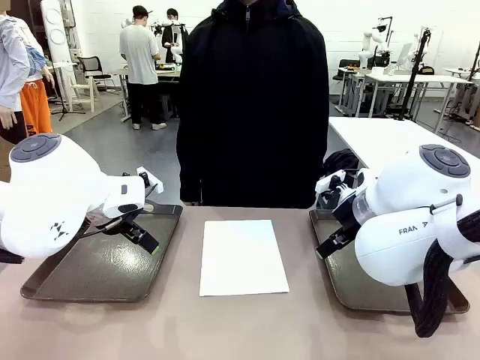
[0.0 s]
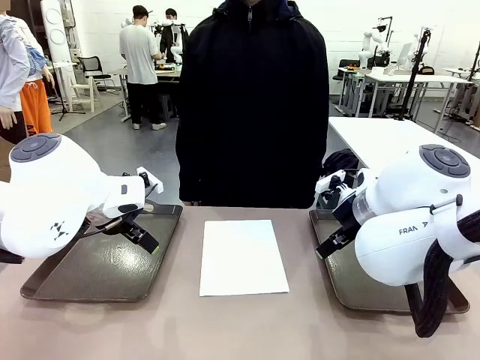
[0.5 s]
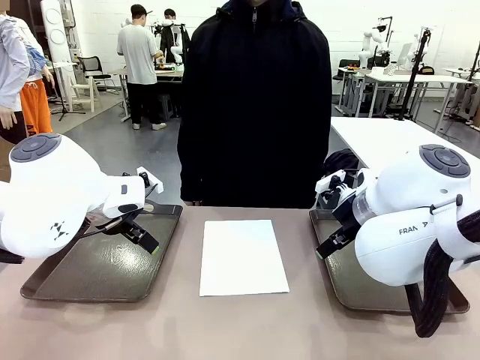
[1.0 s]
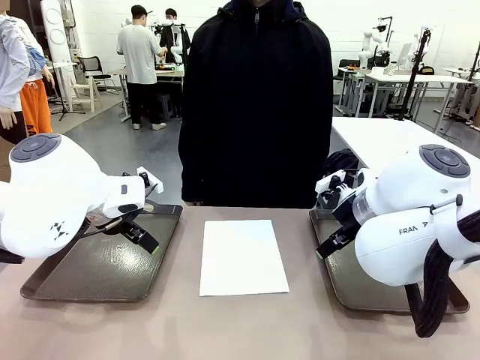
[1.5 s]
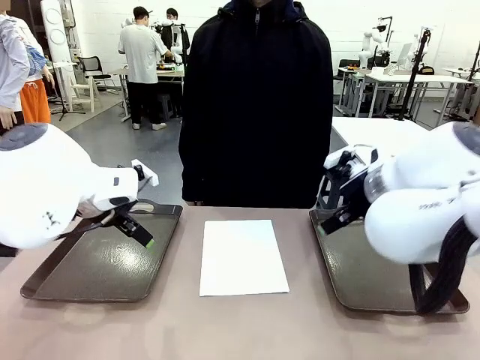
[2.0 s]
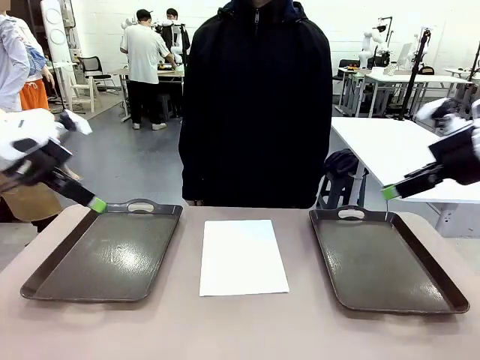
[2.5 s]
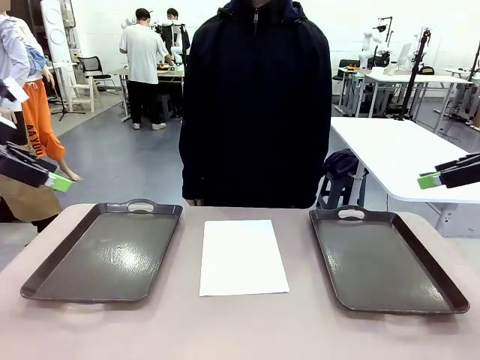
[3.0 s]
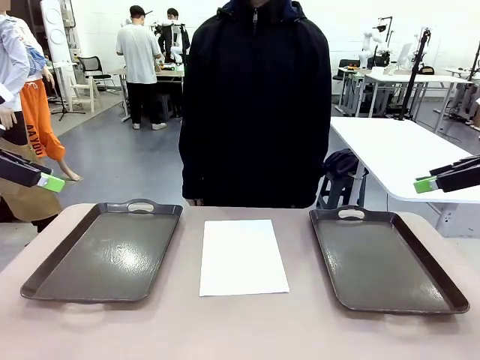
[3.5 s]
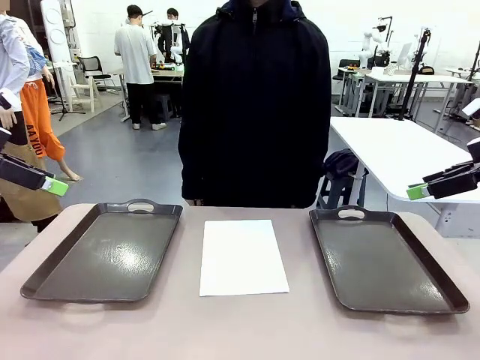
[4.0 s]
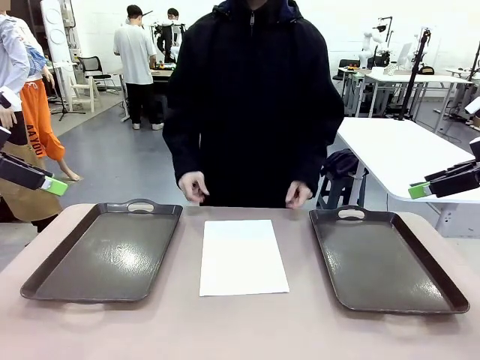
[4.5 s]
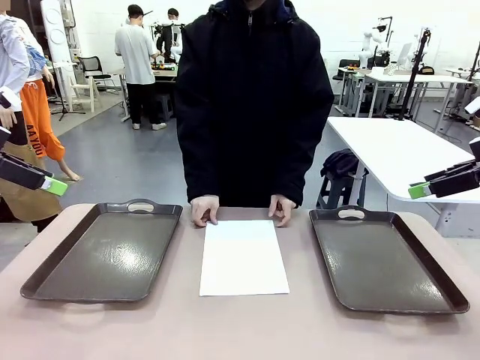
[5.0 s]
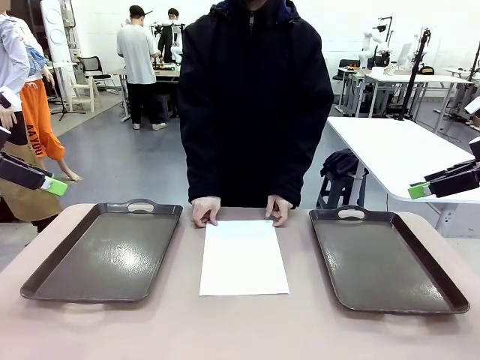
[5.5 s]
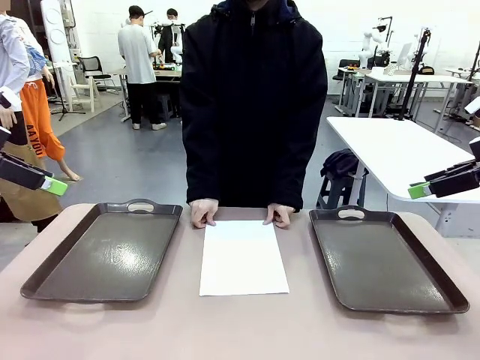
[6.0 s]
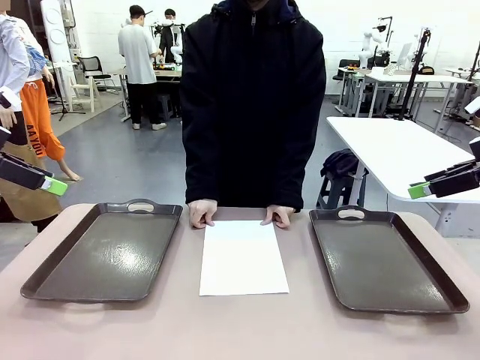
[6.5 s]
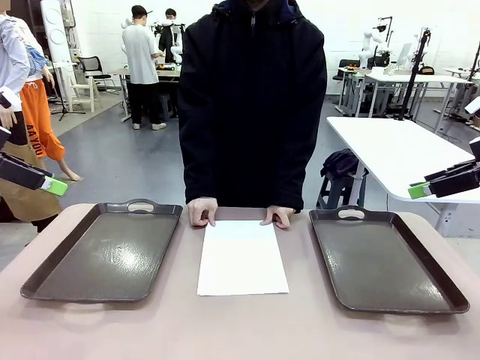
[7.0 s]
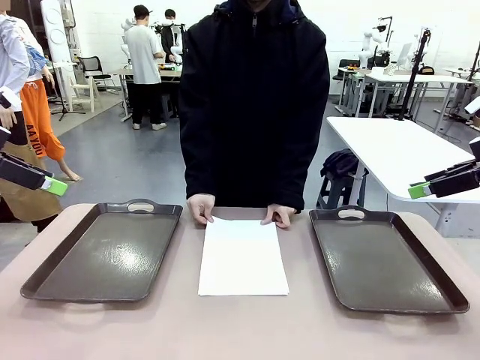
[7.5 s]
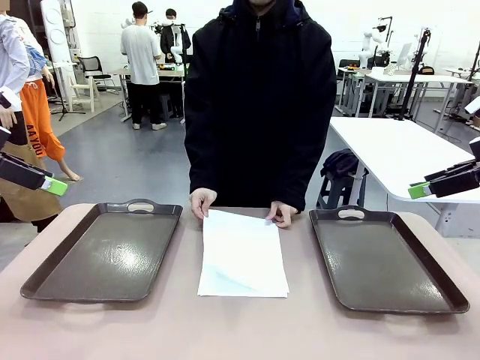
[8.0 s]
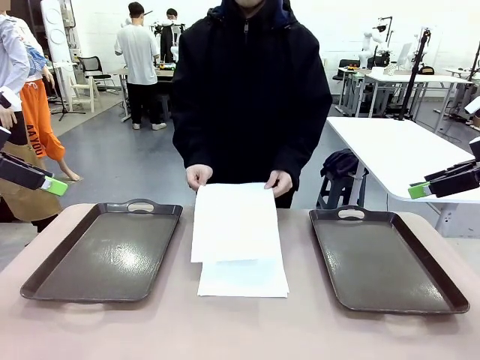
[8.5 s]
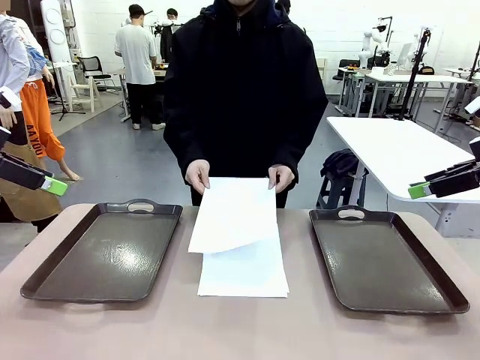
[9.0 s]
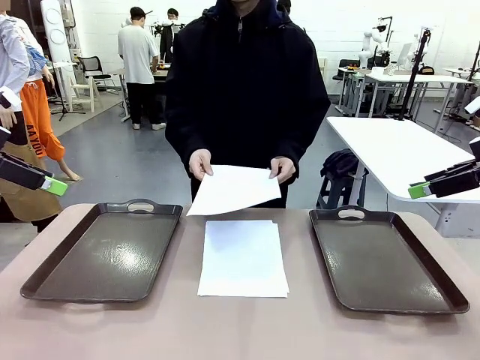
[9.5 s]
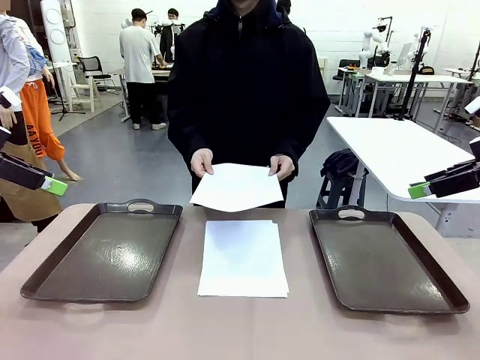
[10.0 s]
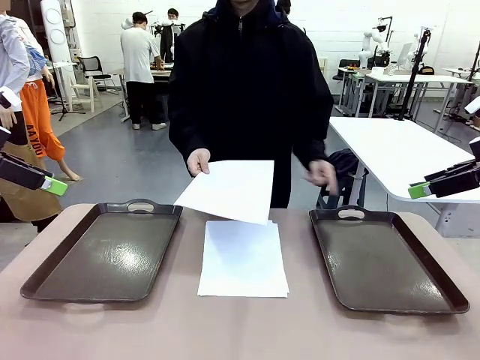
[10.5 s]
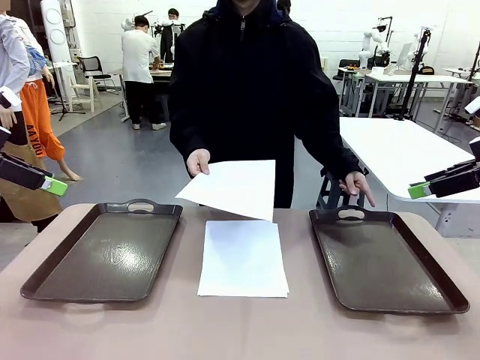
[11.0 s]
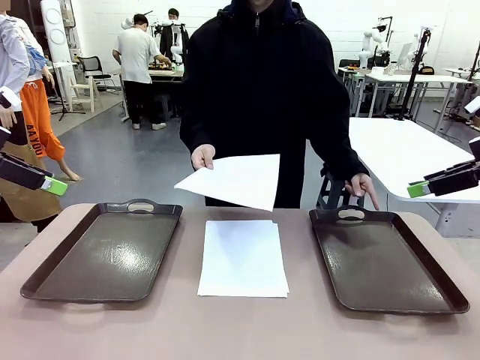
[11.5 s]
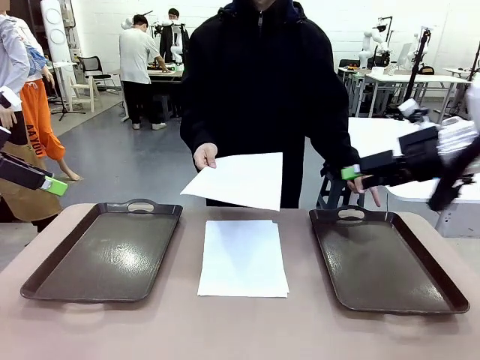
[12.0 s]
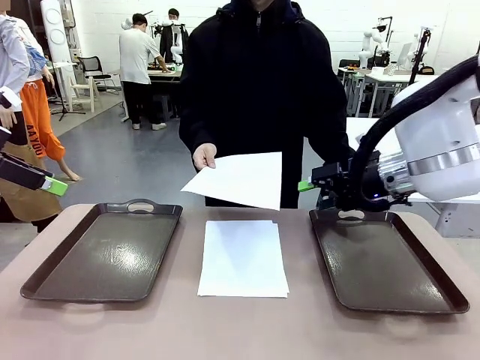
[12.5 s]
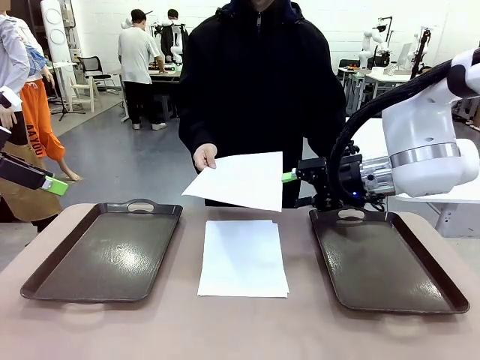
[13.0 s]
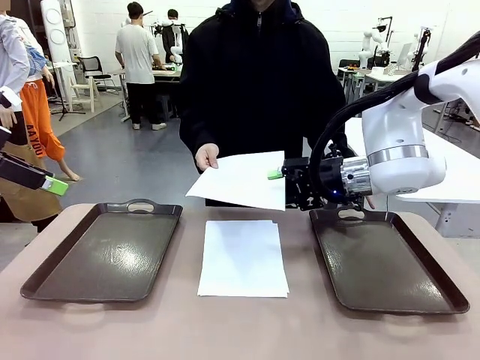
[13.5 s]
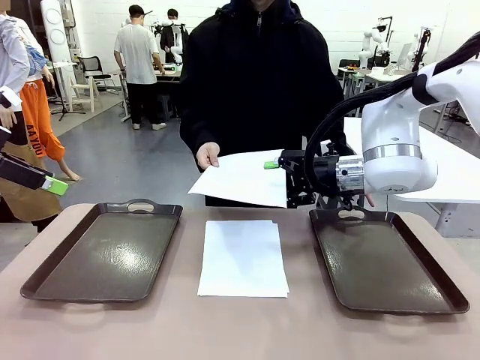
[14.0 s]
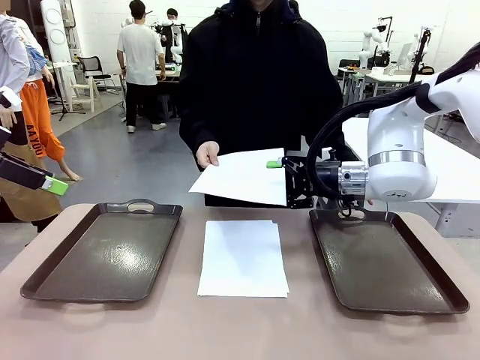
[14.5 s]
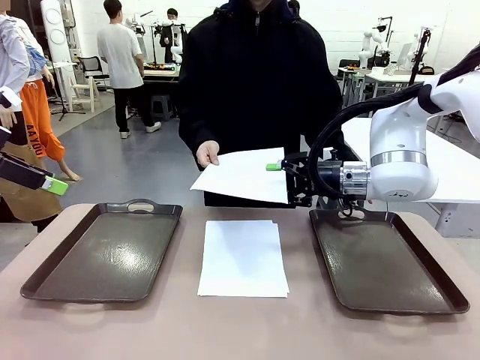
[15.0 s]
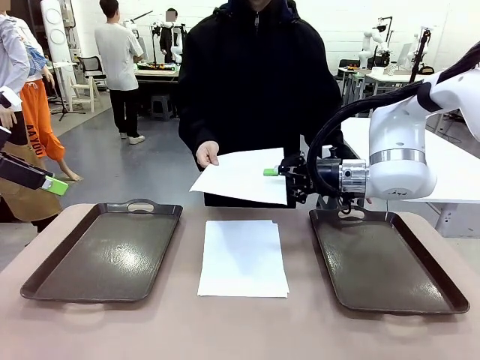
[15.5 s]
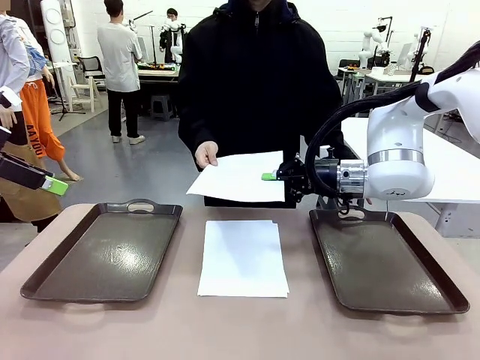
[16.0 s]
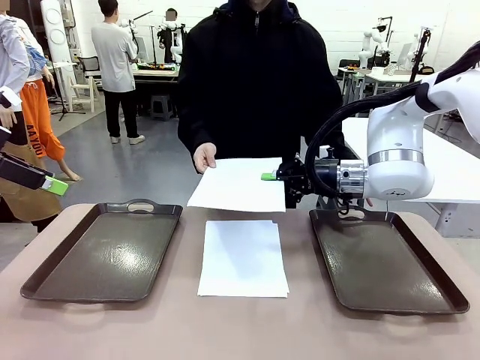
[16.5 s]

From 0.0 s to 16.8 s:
Task: Sort the A4 documents.
Robot: Receive the A4 Paper.
Person: Pick up a sheet of paper from the center of the table and hand it to the robot. Point the randomly selected tray with the other hand.

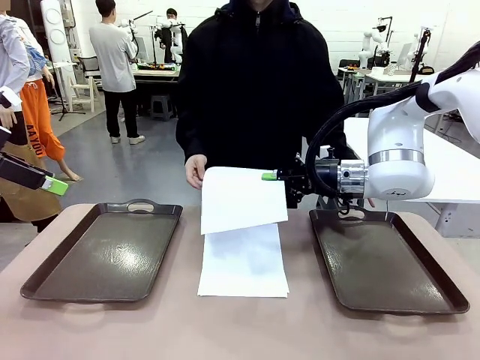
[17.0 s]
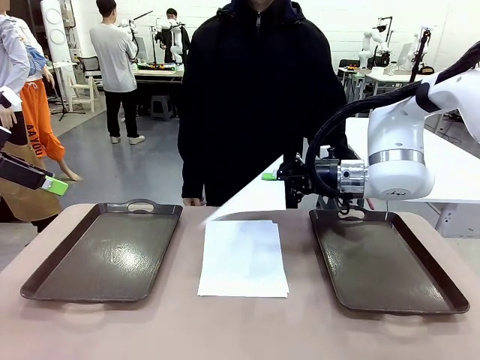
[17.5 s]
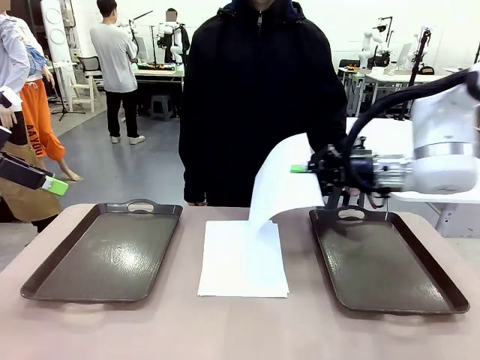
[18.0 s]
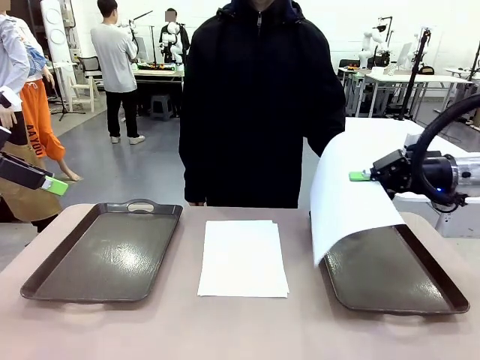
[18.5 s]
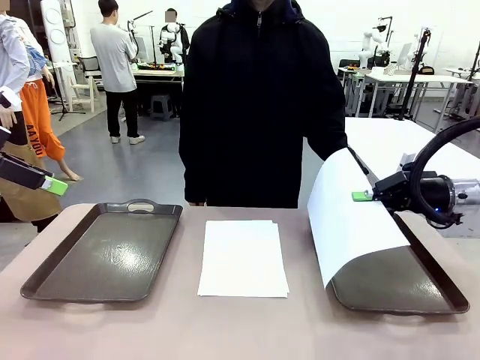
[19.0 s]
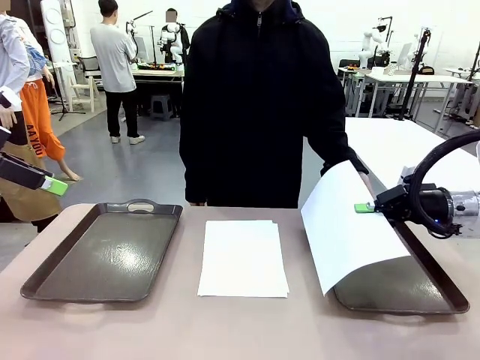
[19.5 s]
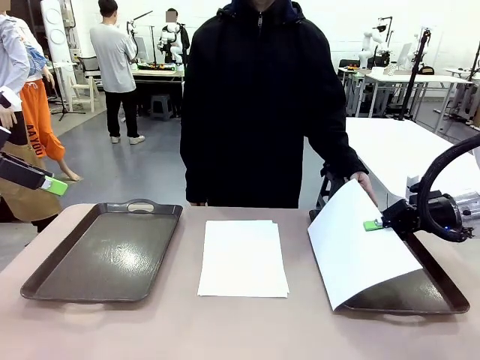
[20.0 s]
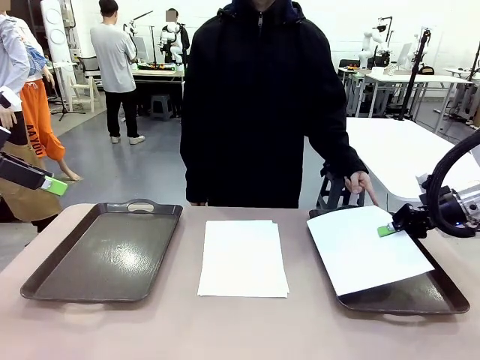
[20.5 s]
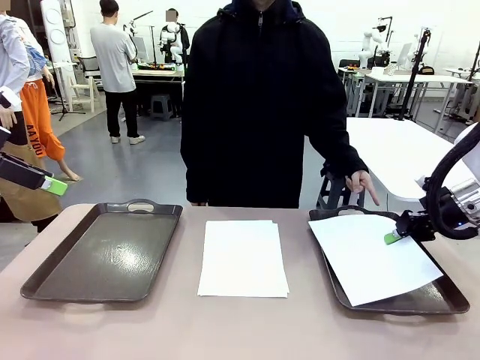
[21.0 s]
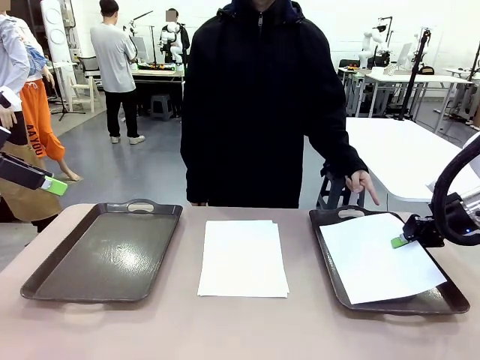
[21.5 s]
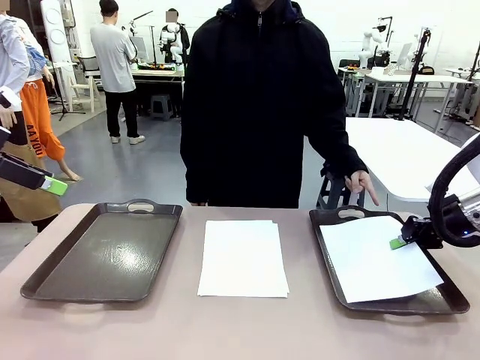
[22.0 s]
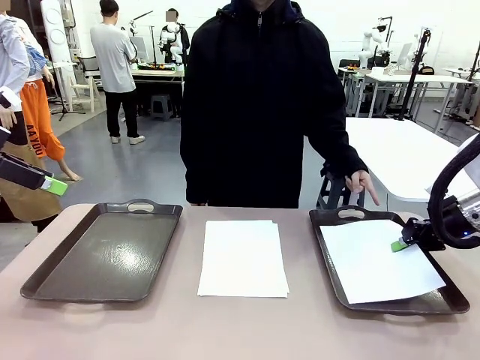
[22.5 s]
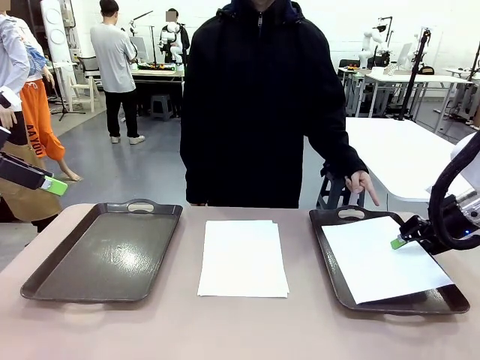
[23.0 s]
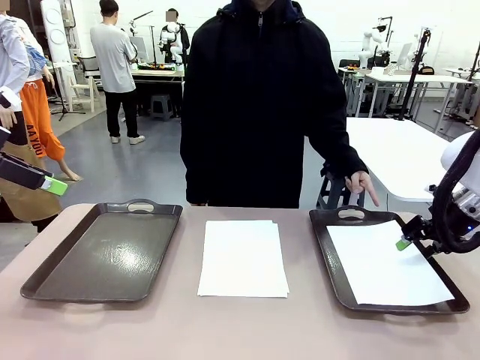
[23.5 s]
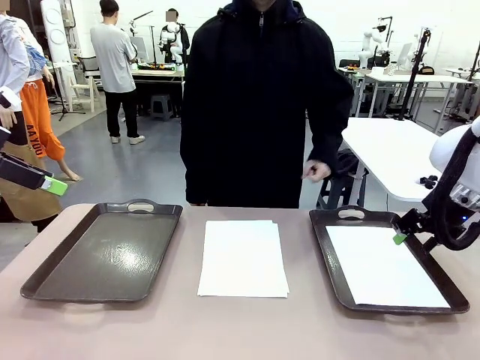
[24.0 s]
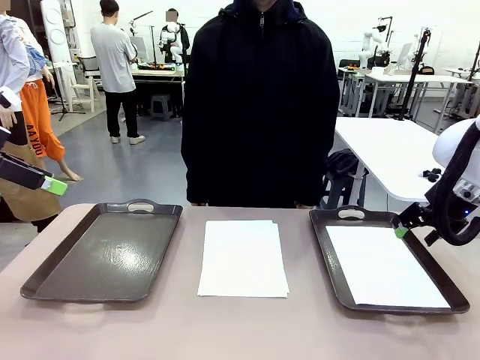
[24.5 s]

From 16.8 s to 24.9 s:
Robot: Place the A4 Paper in the designated Handle tray.
